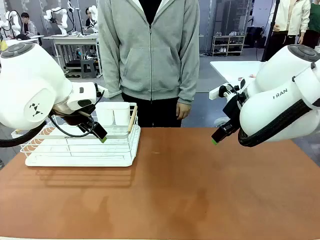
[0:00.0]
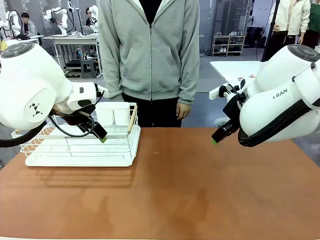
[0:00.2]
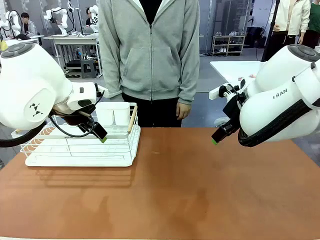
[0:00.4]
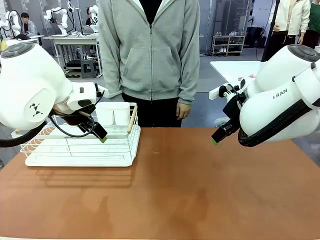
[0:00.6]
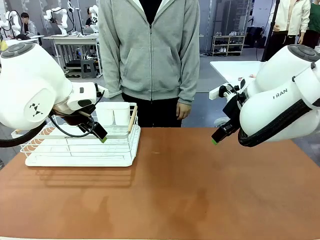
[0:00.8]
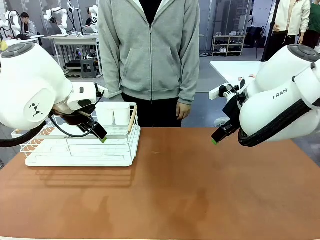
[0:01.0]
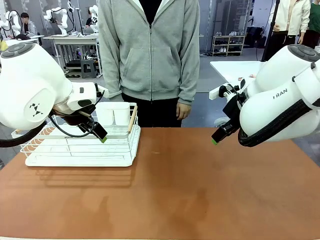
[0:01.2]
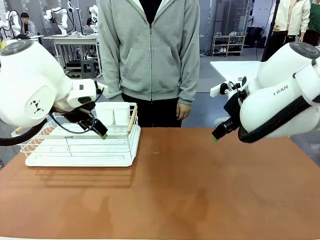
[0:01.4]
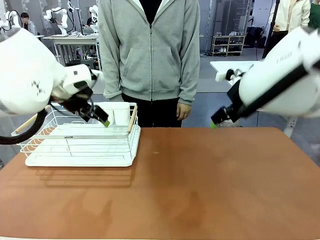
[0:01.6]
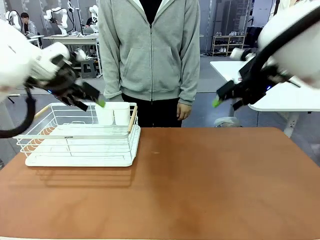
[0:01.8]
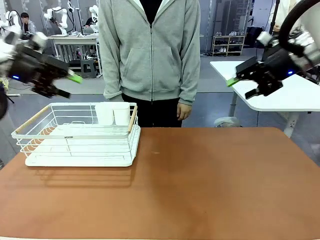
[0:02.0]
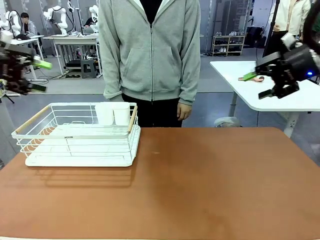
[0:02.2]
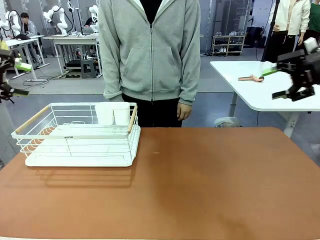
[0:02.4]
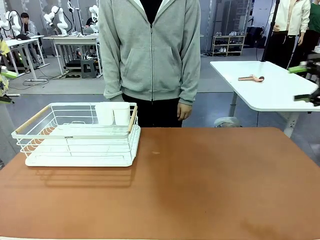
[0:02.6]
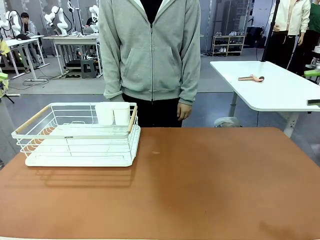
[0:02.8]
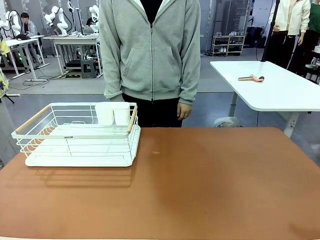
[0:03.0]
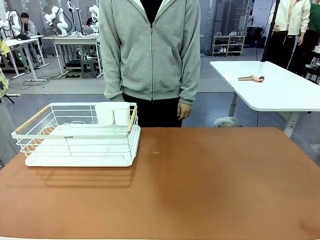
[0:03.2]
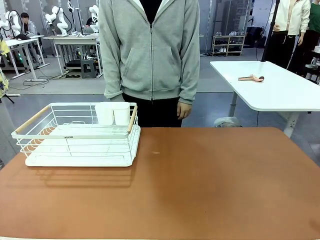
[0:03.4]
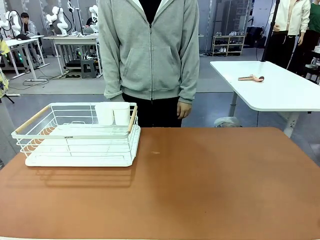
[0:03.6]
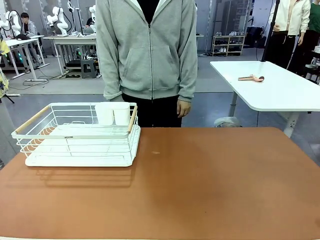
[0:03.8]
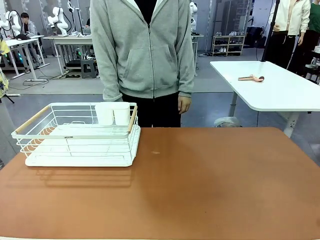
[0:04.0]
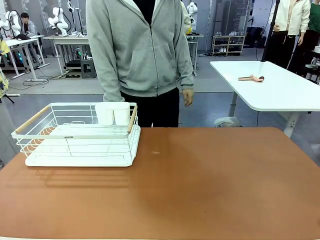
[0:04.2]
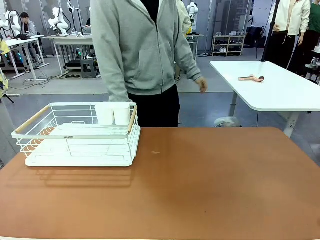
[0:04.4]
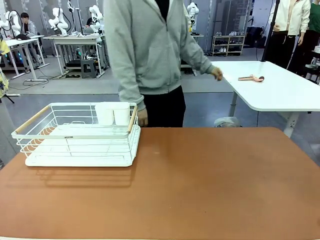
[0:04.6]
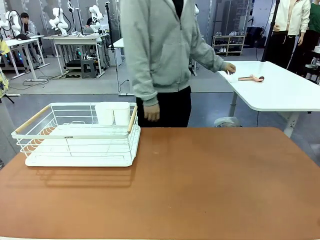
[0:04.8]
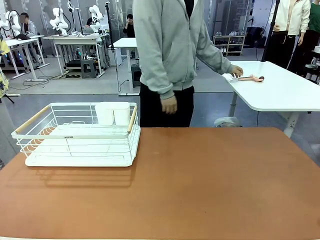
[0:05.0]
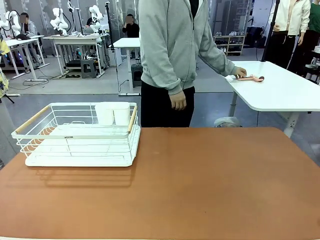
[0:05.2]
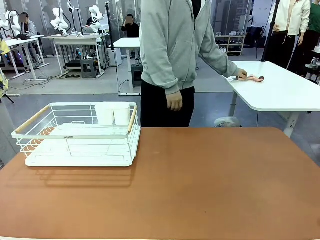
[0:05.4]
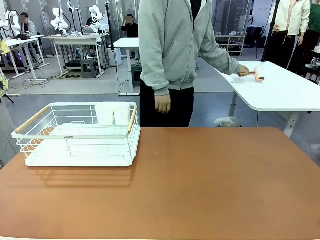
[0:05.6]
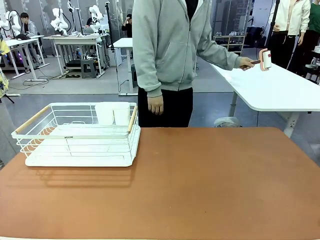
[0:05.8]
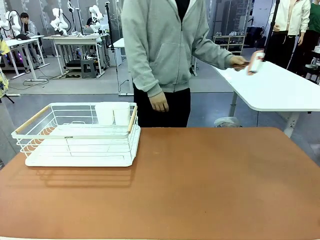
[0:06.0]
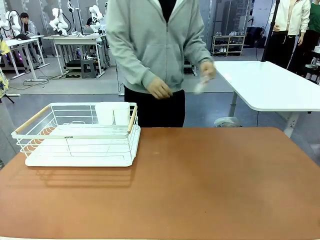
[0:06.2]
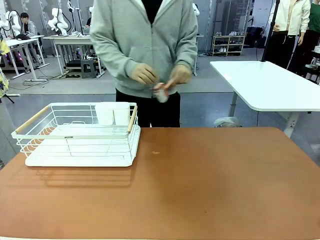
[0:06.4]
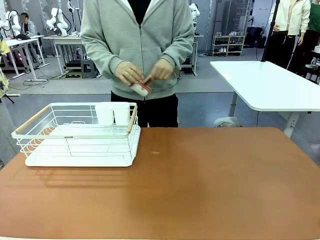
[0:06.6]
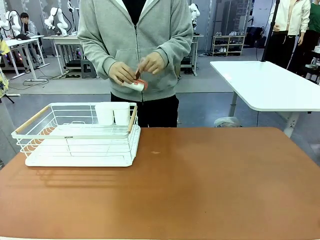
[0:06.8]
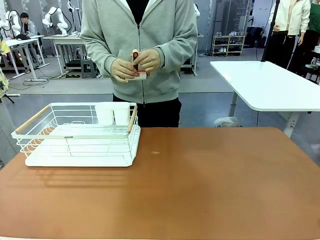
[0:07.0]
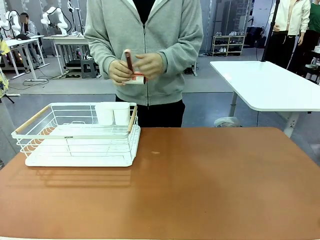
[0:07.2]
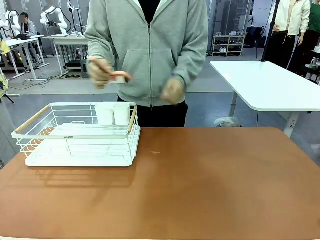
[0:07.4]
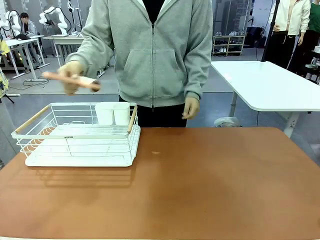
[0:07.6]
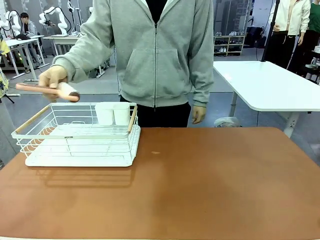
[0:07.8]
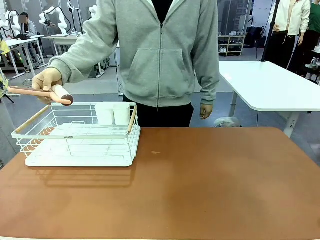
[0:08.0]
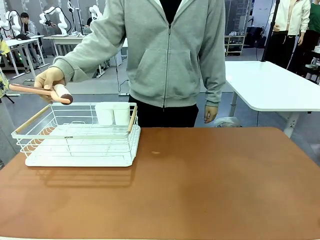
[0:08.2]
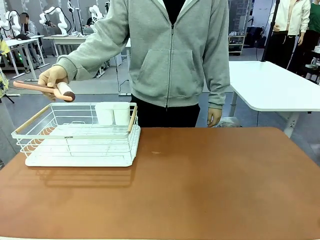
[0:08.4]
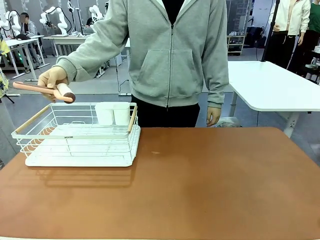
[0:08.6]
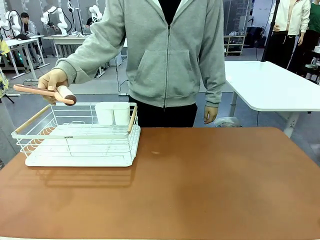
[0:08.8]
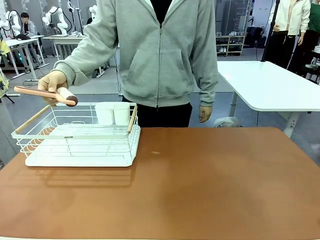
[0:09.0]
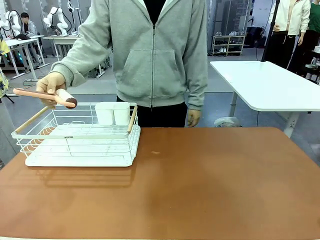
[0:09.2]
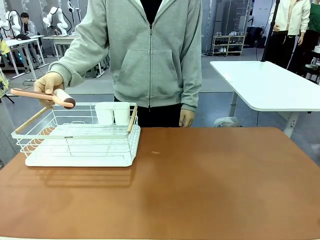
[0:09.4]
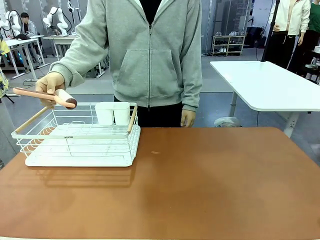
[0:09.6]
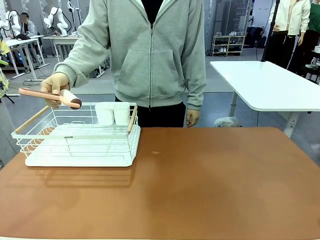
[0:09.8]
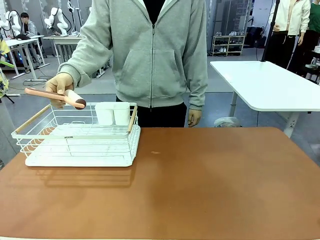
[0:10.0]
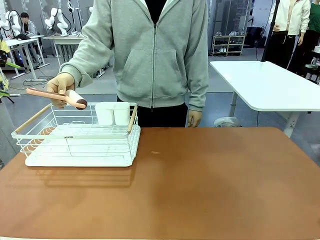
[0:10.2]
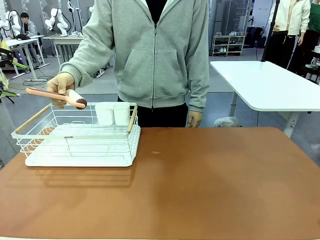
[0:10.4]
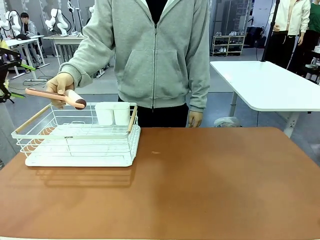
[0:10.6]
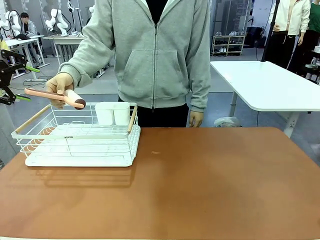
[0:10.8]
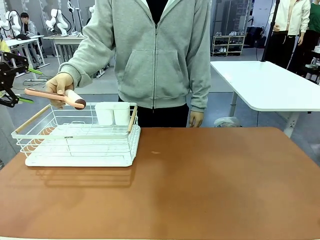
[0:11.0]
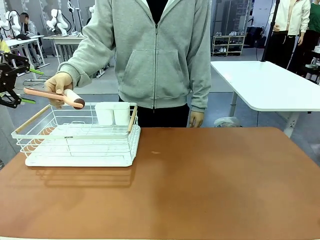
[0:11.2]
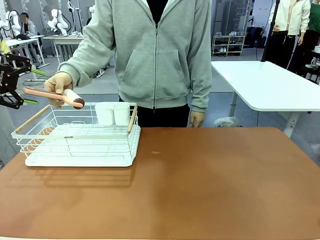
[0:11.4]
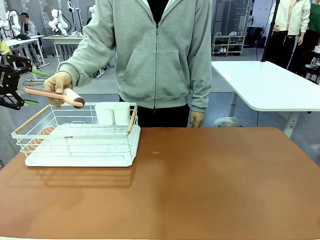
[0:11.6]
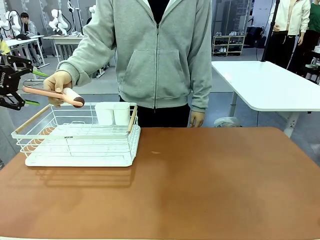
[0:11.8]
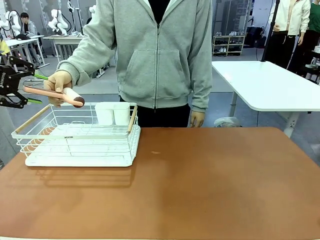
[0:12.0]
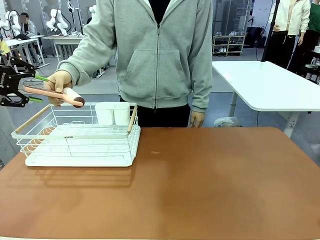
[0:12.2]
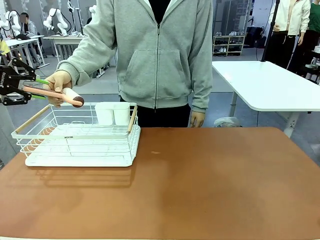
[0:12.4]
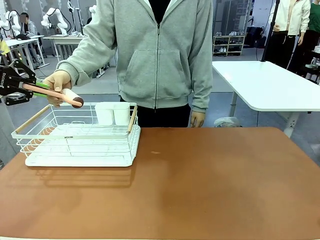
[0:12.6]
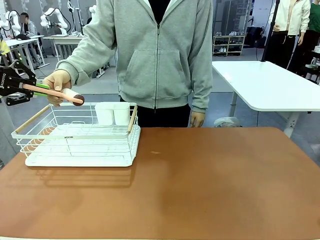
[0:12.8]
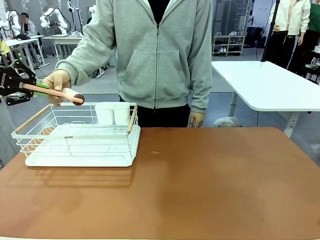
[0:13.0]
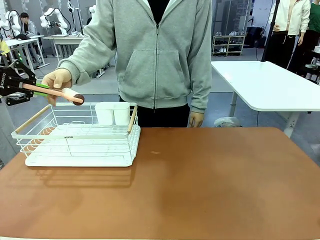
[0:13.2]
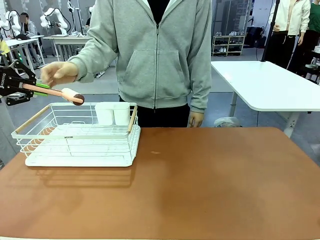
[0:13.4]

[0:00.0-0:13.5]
Task: Clean the table.
Robot: Pick up the Lint Roller when the human hands it over.
Person: Hand the Lint Roller to the robot so it can easily pick it up. Lift the Dish drying rack.
